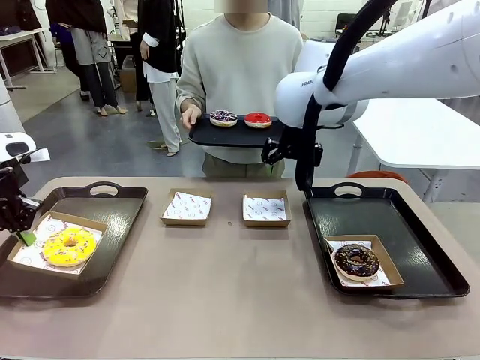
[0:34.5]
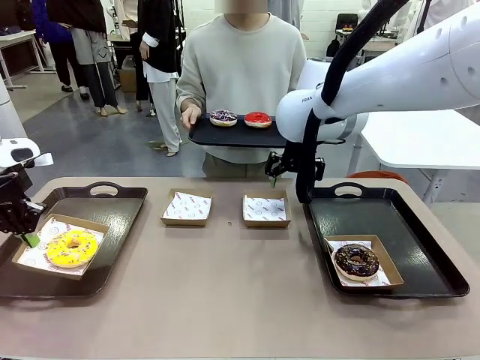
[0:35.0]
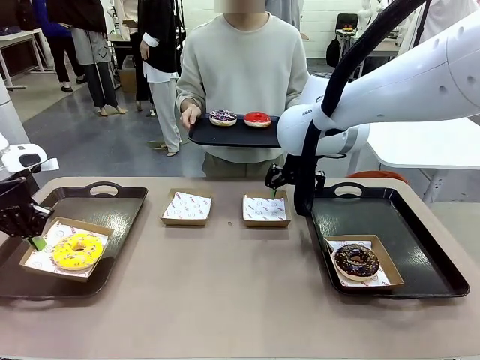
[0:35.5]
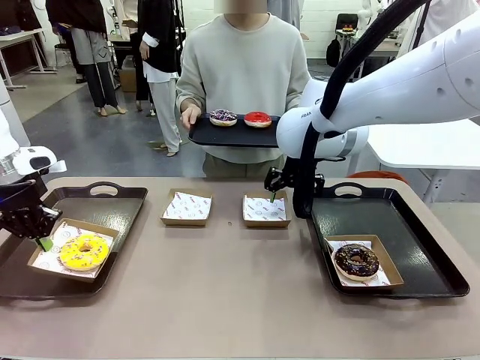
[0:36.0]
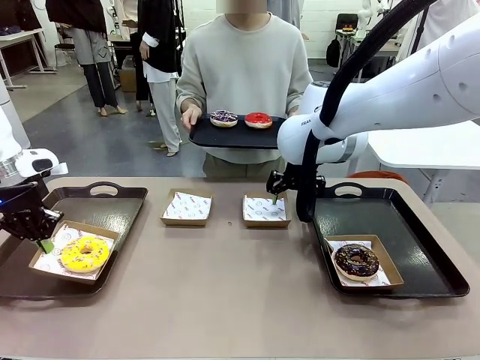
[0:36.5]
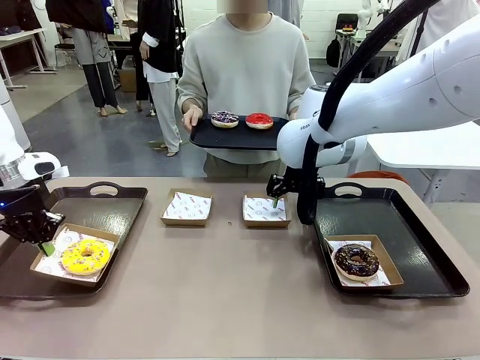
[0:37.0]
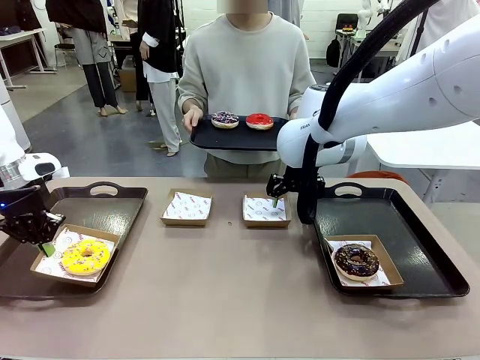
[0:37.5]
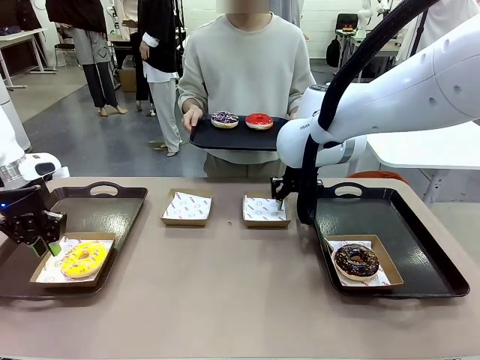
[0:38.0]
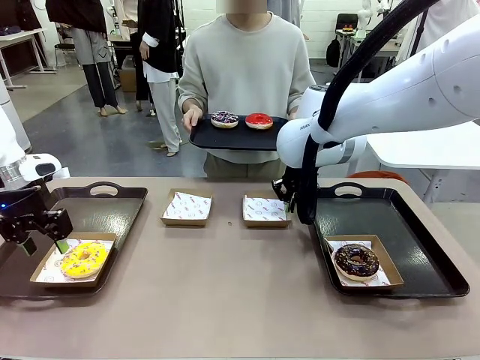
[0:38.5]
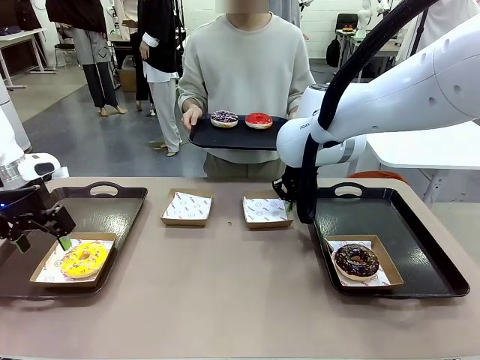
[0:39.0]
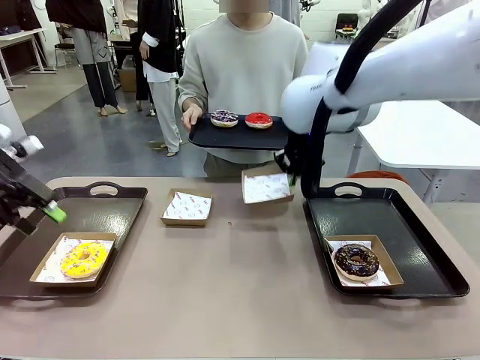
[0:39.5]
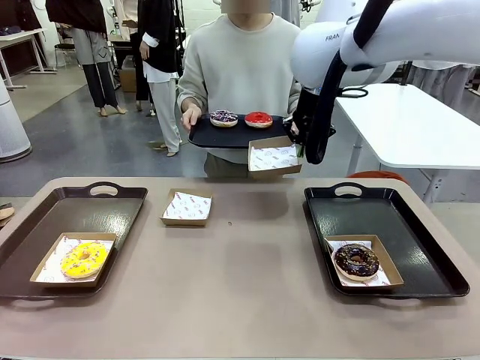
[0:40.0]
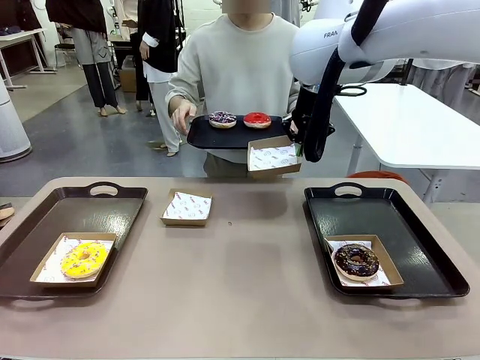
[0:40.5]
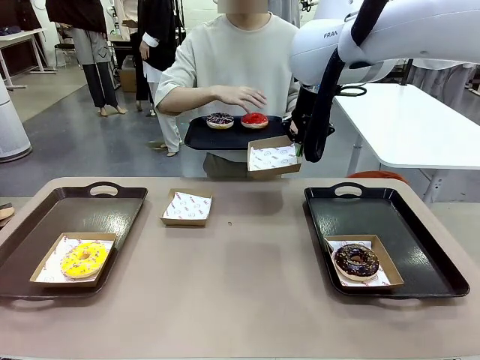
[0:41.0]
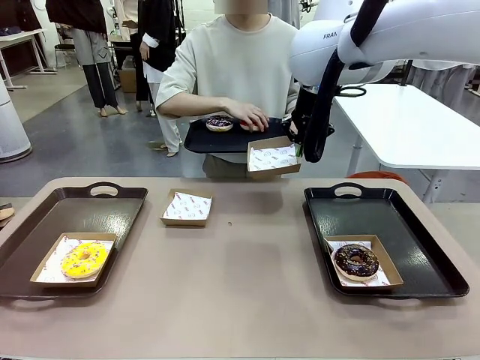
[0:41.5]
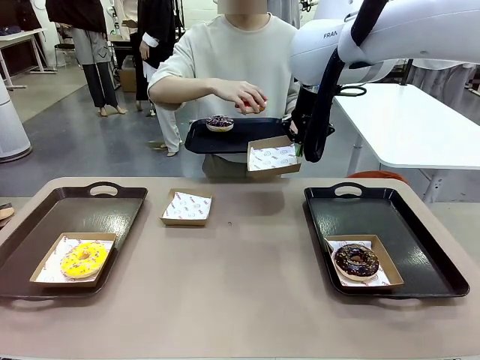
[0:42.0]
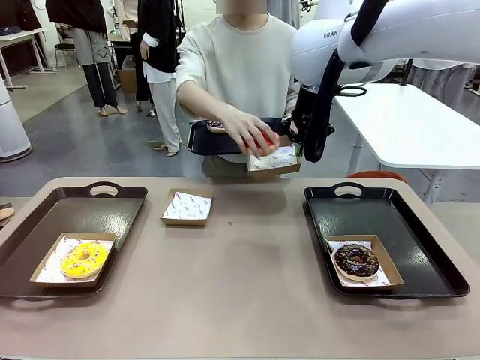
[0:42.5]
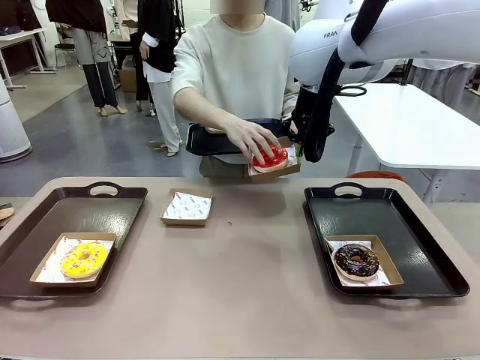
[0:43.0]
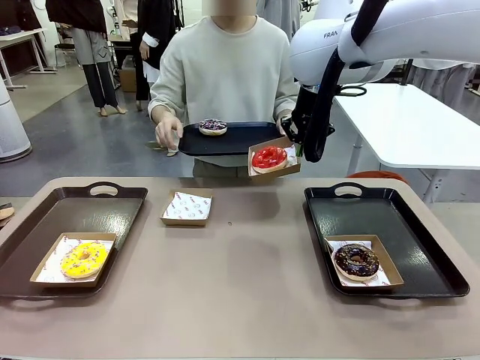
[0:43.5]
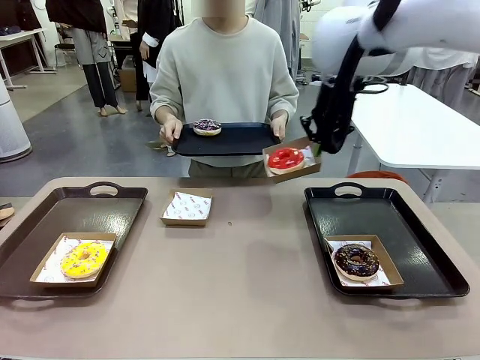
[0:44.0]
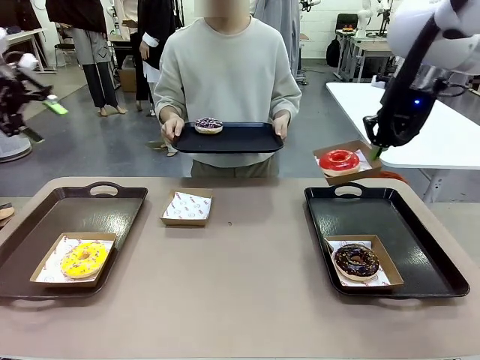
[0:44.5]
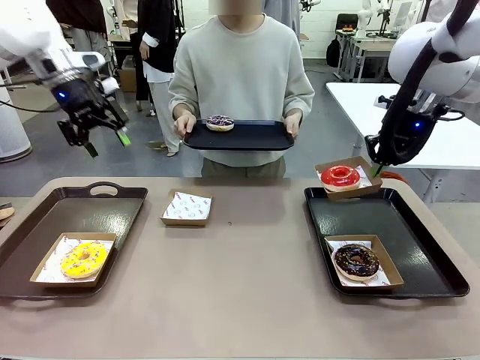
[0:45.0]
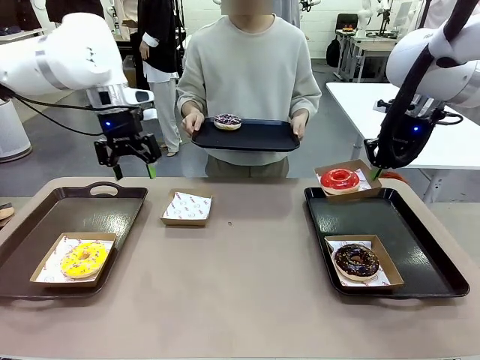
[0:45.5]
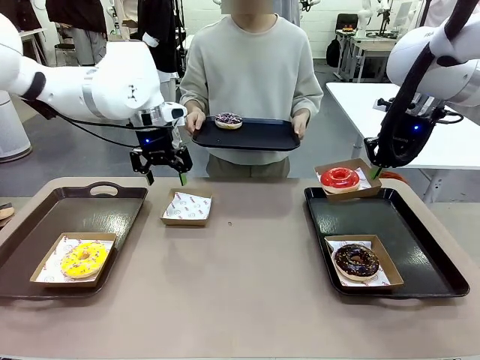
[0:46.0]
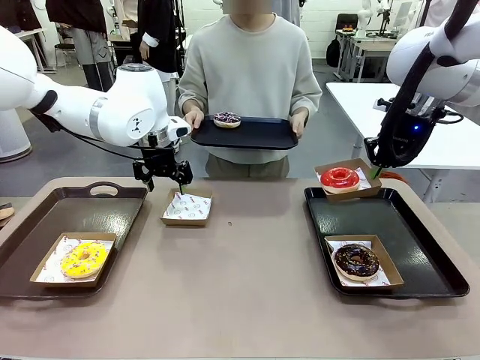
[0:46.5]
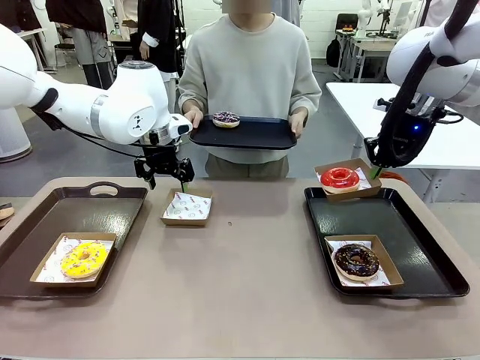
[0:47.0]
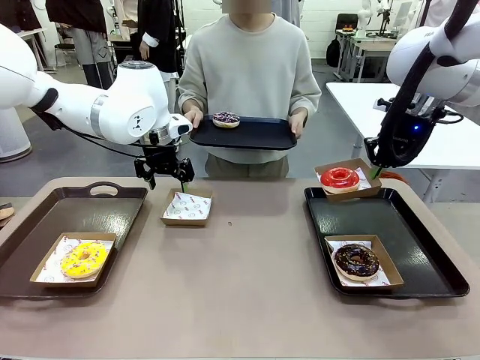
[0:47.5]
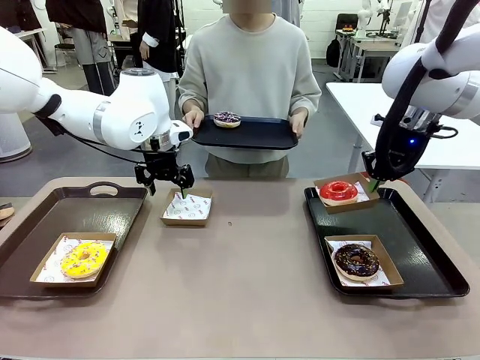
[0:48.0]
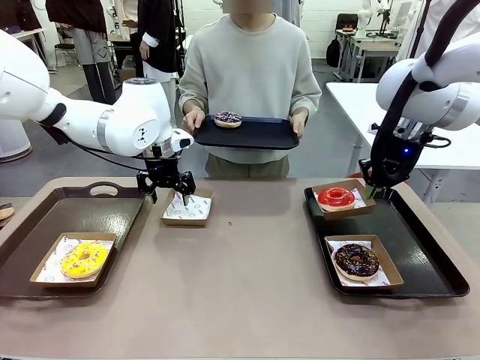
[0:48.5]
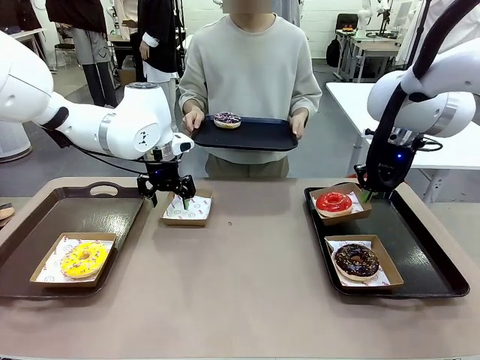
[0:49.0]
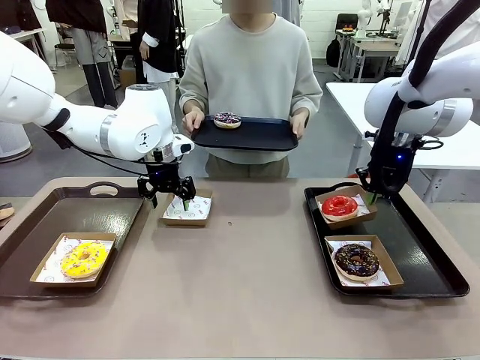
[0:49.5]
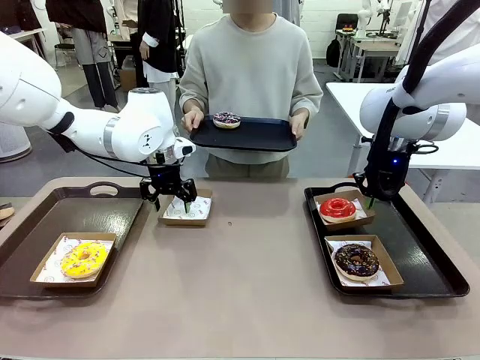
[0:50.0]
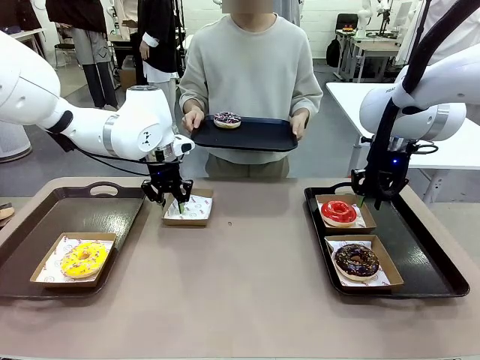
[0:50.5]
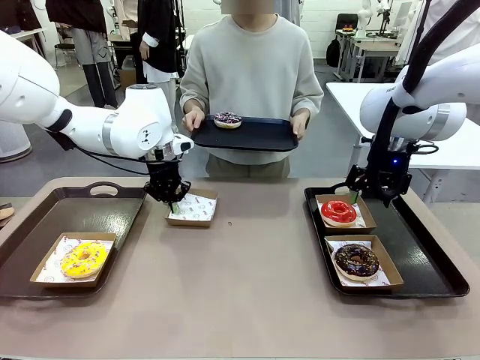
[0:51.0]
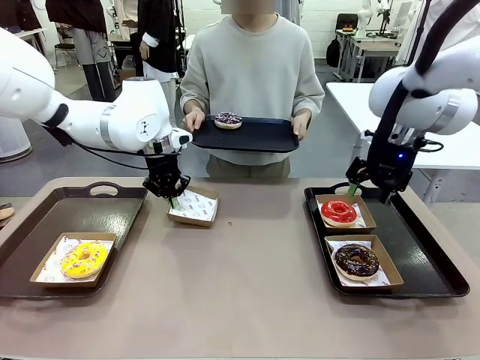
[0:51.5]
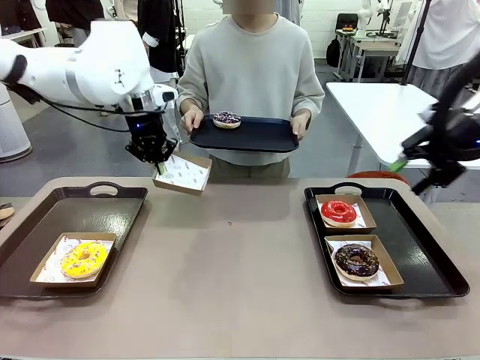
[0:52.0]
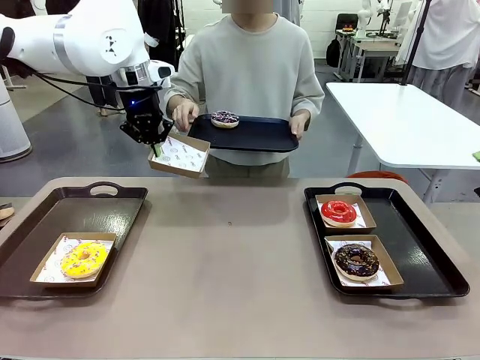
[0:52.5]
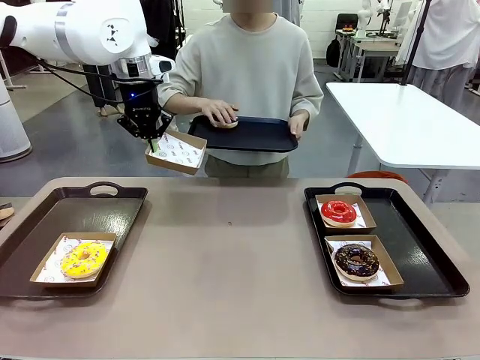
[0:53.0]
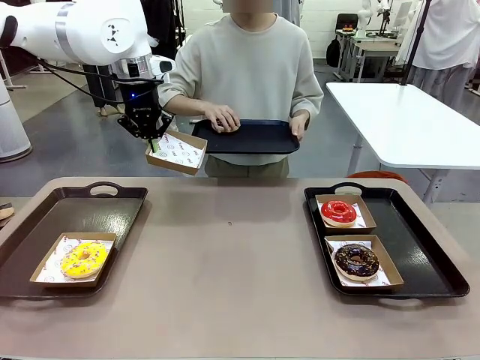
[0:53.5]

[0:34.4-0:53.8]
Task: Individually package the donuts and arrange them on the tray.
Robot: Place the picked Paper togo box on the Handle tray while simultaneously picking up another Paper togo box from the table with the other hand.

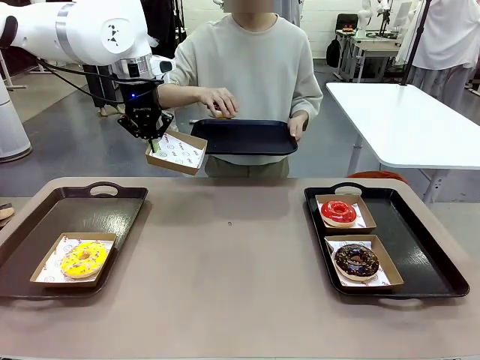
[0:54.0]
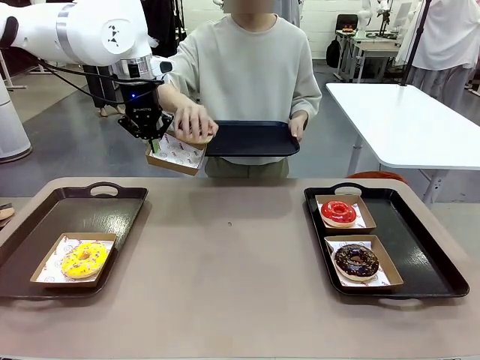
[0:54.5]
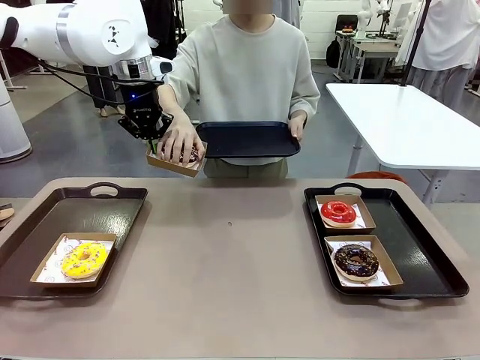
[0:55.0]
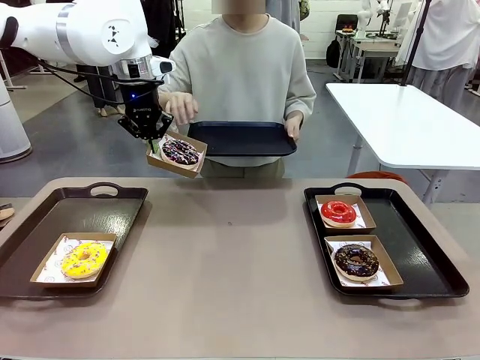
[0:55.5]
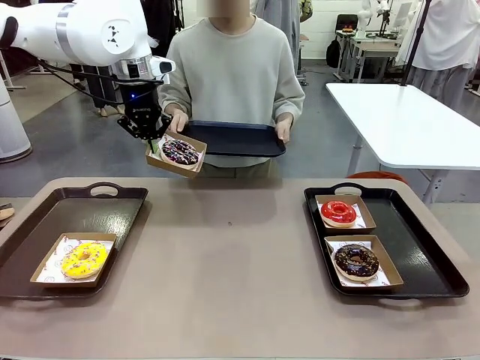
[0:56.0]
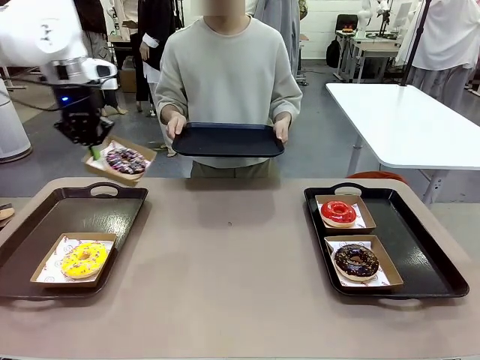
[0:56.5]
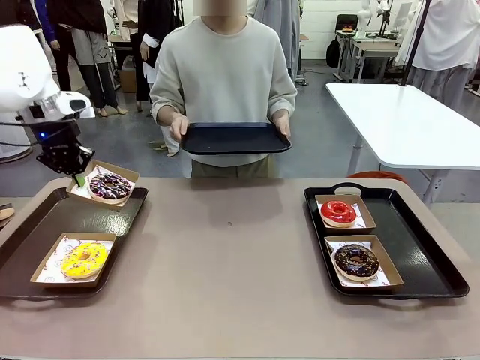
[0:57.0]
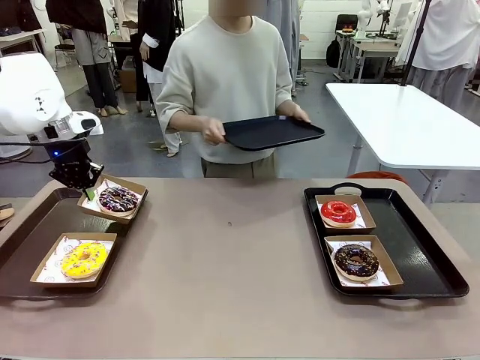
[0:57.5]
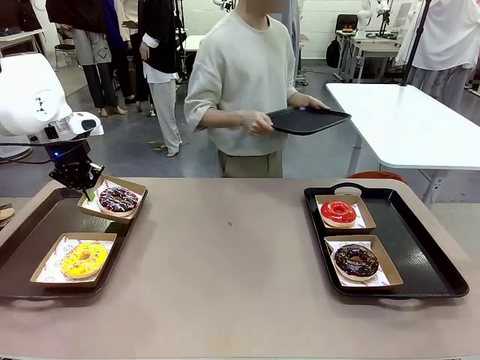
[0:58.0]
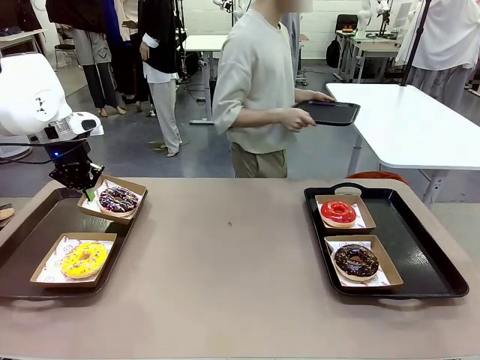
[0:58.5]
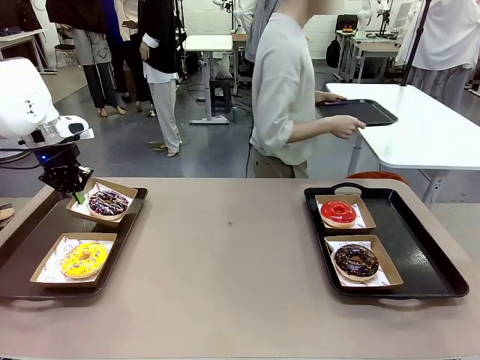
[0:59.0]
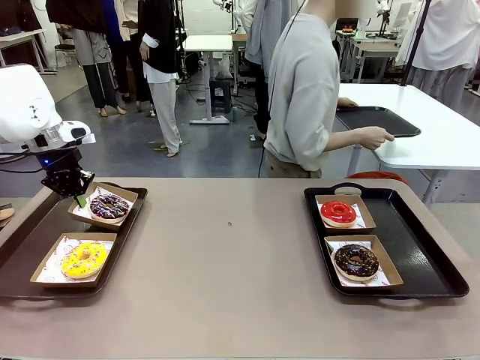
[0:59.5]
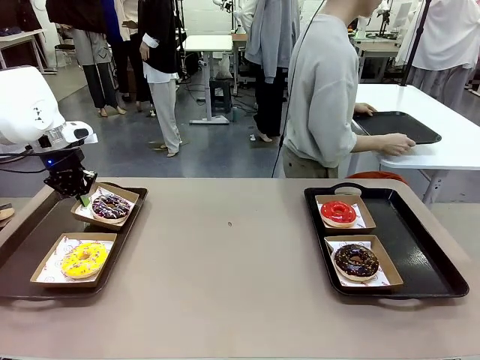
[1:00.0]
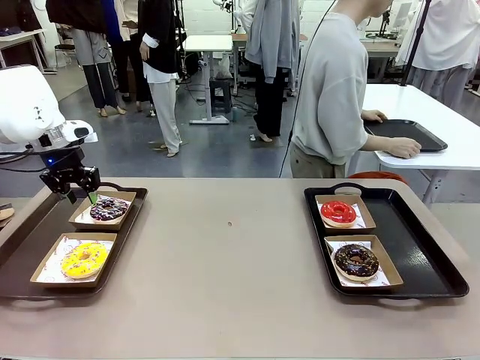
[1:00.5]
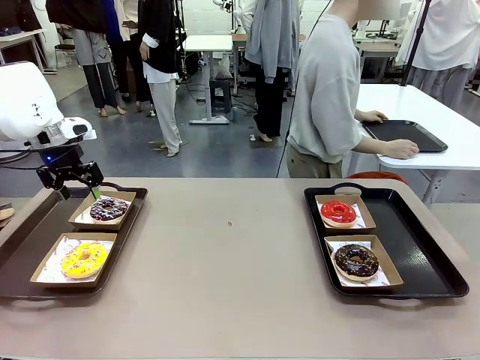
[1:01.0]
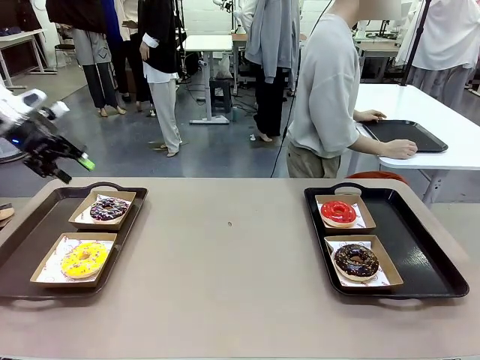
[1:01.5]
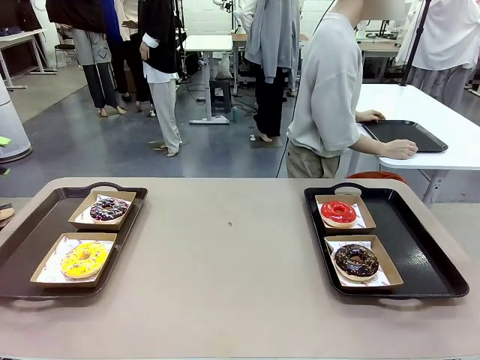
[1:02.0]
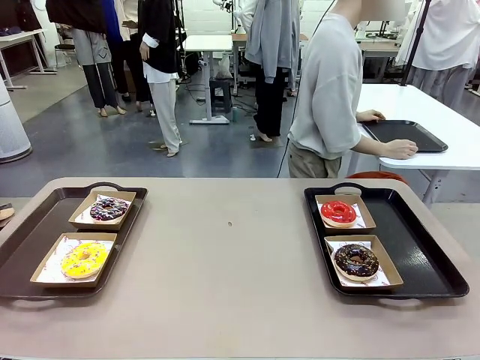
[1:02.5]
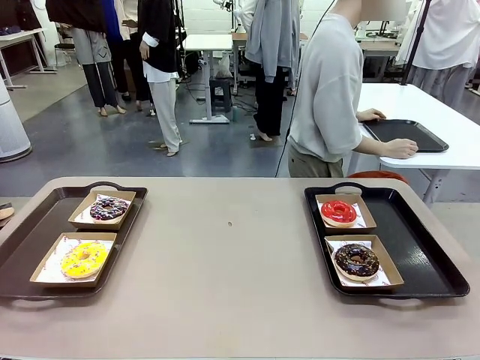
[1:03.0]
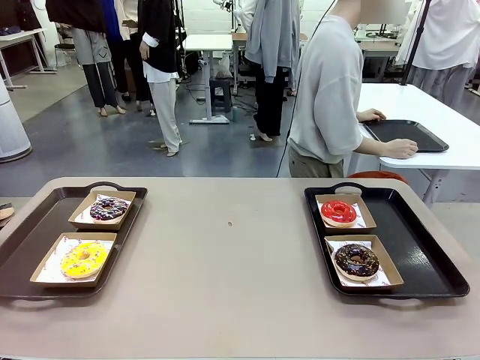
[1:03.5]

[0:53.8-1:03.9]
Robot: Place the picked Paper togo box on the Handle tray.
Person: Place the tray down in the middle of the human table.
